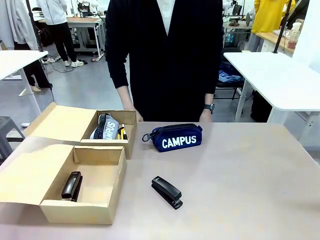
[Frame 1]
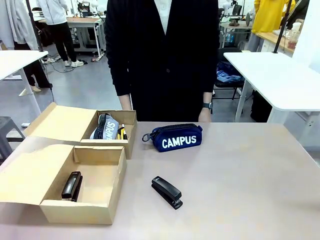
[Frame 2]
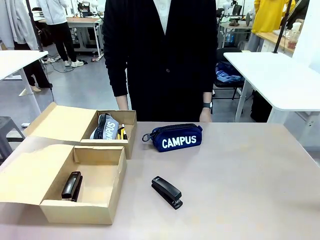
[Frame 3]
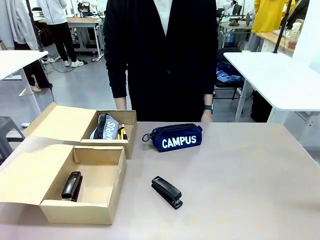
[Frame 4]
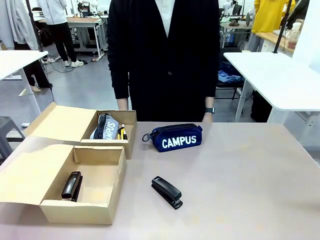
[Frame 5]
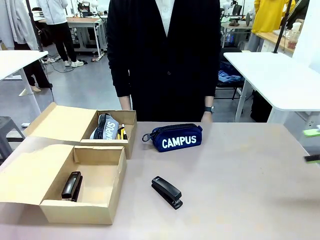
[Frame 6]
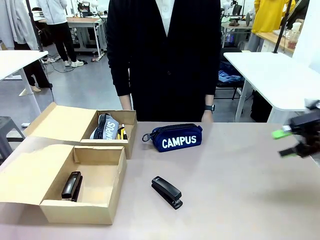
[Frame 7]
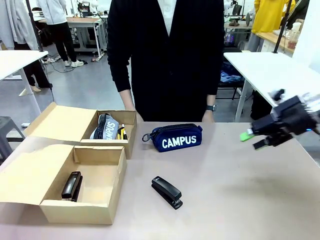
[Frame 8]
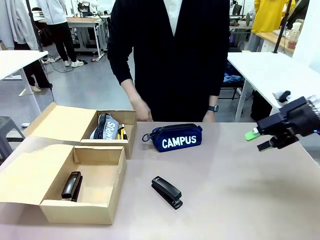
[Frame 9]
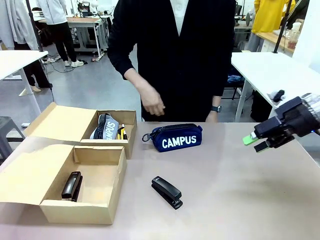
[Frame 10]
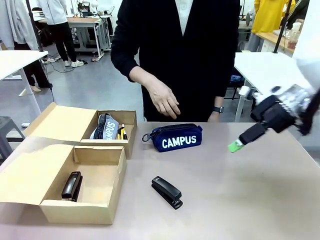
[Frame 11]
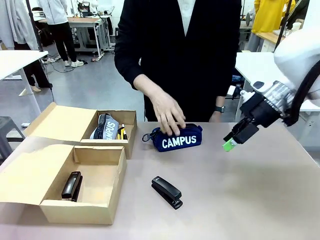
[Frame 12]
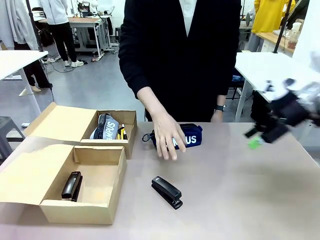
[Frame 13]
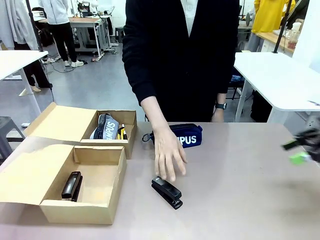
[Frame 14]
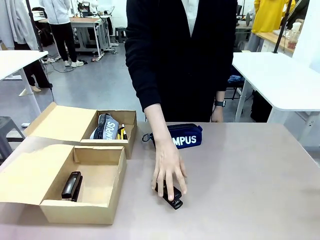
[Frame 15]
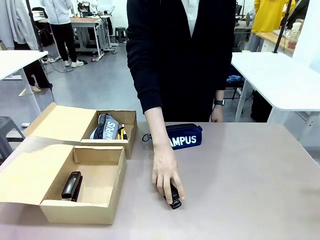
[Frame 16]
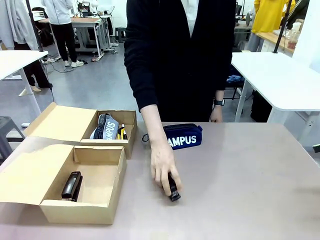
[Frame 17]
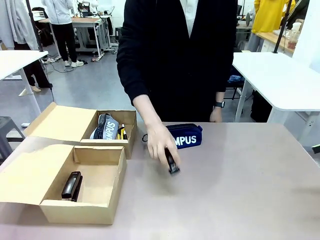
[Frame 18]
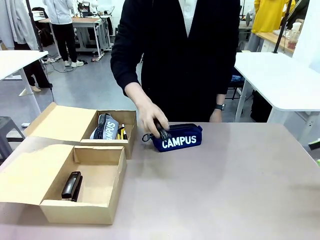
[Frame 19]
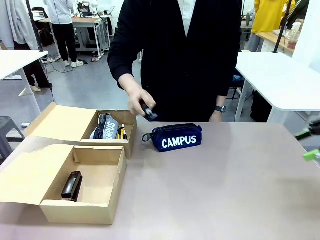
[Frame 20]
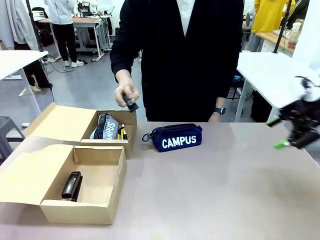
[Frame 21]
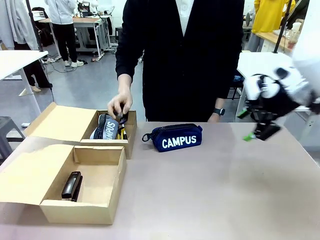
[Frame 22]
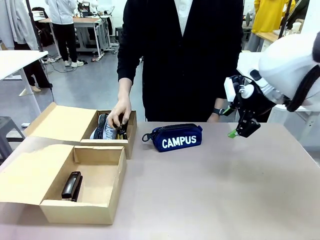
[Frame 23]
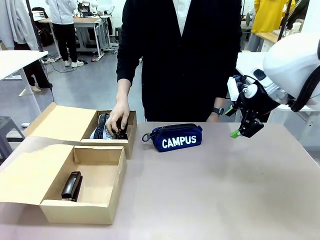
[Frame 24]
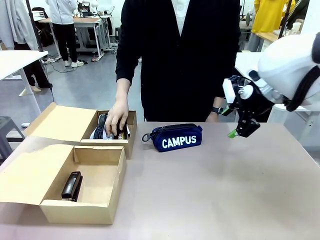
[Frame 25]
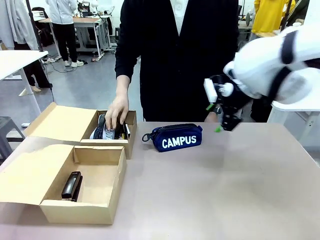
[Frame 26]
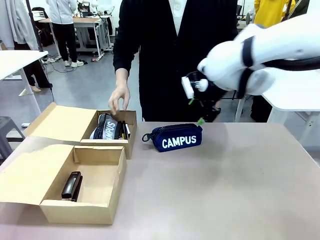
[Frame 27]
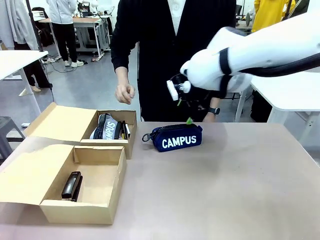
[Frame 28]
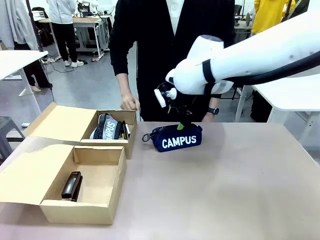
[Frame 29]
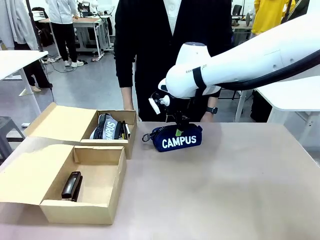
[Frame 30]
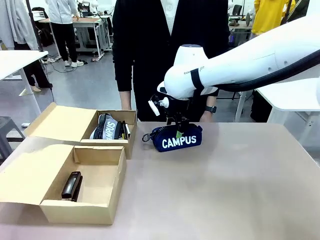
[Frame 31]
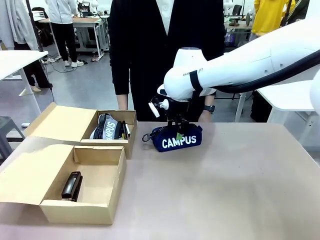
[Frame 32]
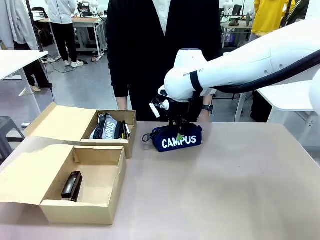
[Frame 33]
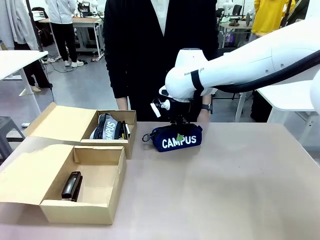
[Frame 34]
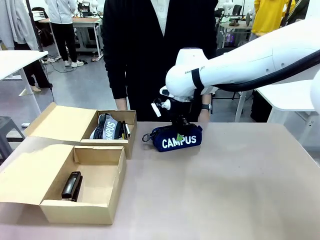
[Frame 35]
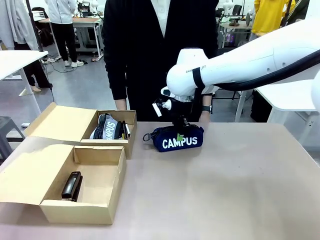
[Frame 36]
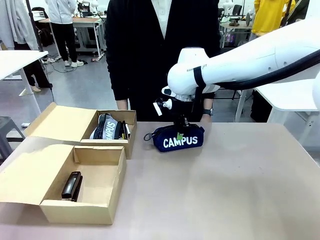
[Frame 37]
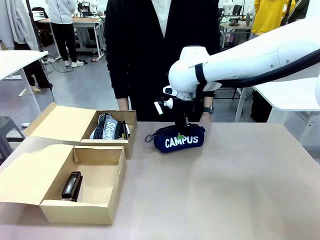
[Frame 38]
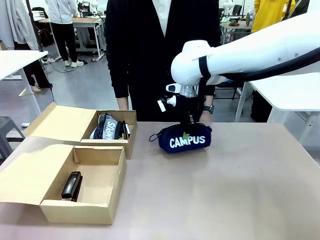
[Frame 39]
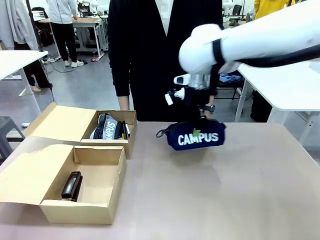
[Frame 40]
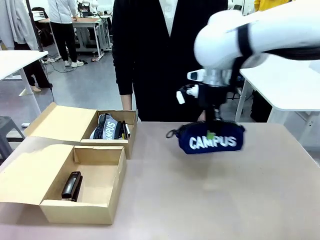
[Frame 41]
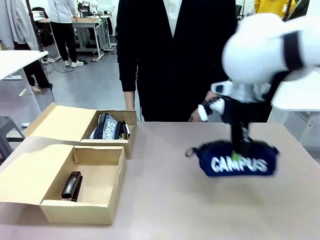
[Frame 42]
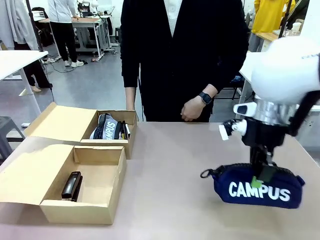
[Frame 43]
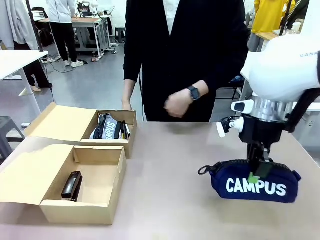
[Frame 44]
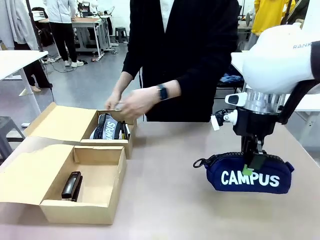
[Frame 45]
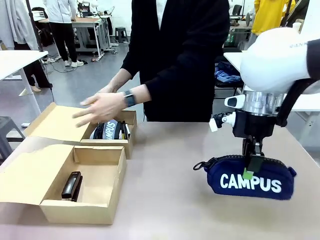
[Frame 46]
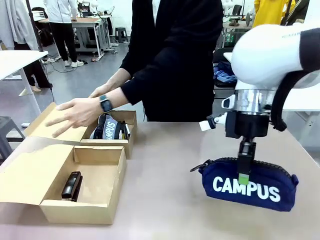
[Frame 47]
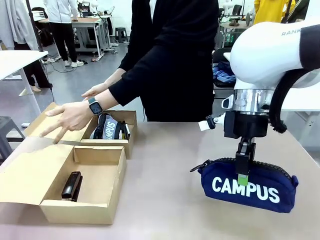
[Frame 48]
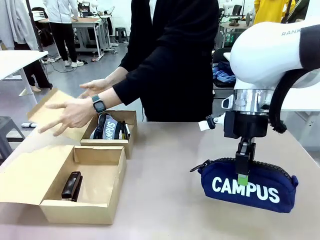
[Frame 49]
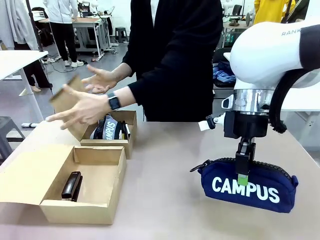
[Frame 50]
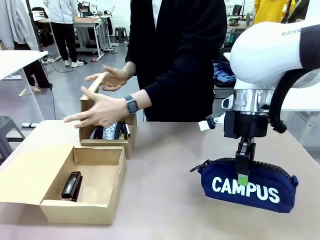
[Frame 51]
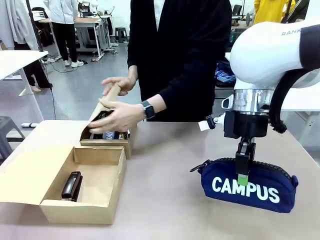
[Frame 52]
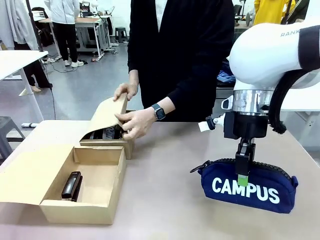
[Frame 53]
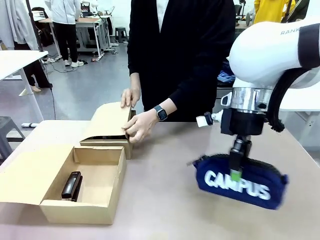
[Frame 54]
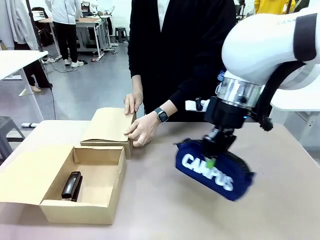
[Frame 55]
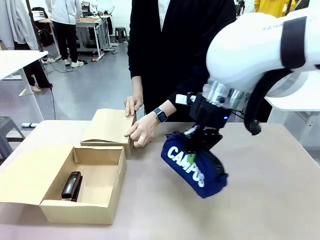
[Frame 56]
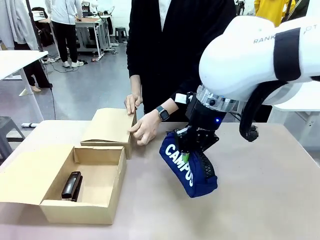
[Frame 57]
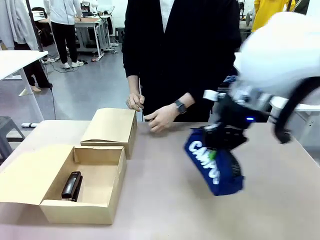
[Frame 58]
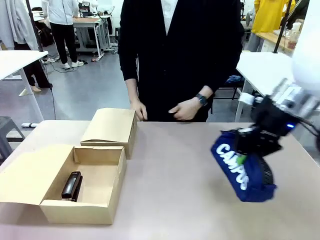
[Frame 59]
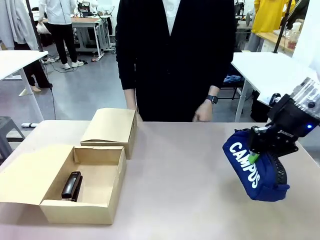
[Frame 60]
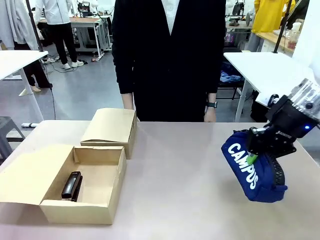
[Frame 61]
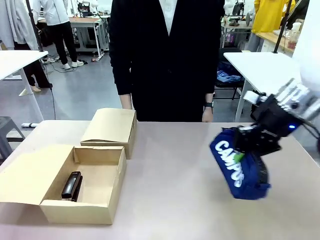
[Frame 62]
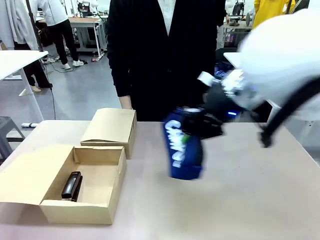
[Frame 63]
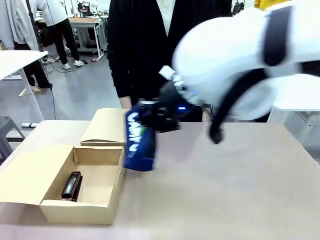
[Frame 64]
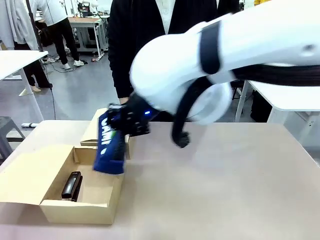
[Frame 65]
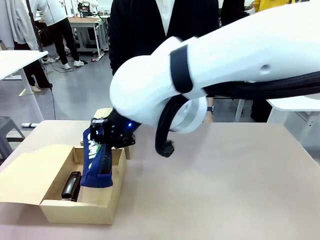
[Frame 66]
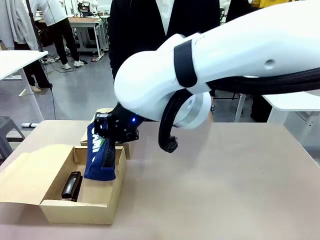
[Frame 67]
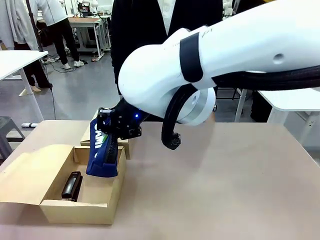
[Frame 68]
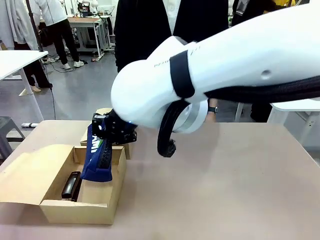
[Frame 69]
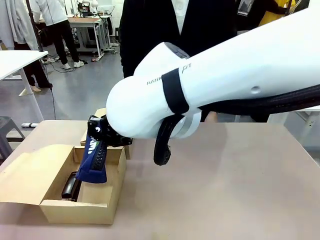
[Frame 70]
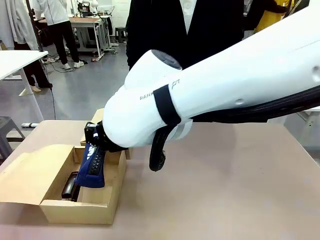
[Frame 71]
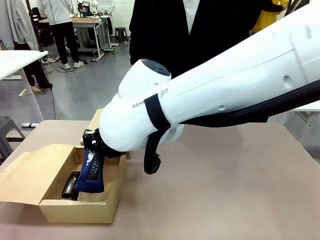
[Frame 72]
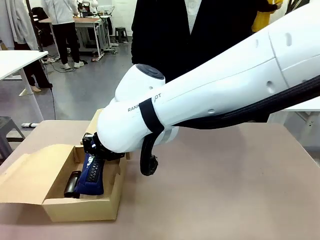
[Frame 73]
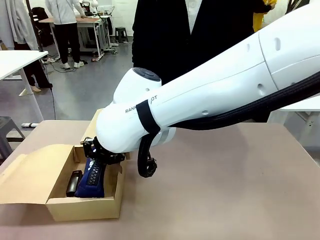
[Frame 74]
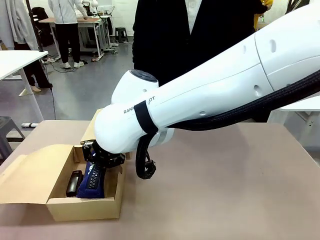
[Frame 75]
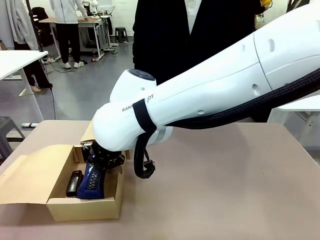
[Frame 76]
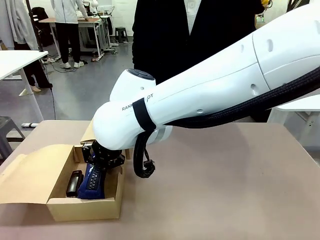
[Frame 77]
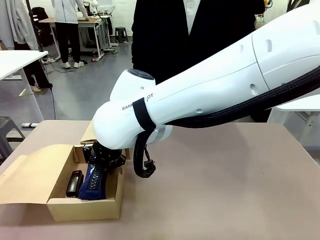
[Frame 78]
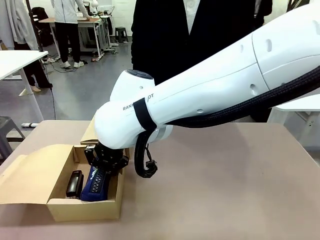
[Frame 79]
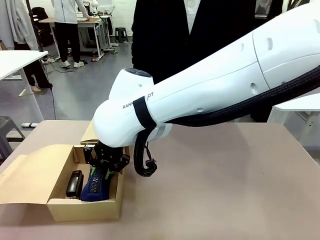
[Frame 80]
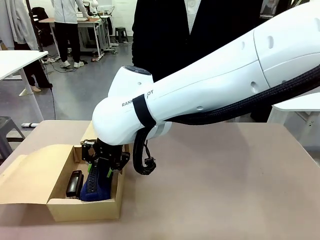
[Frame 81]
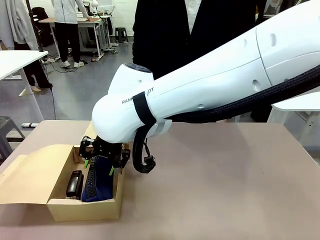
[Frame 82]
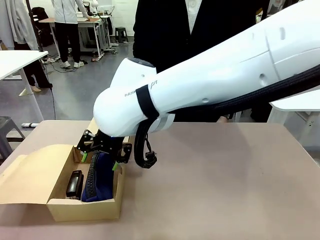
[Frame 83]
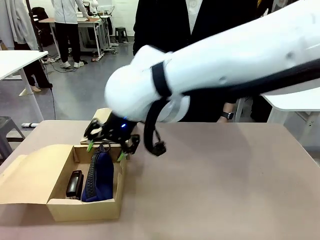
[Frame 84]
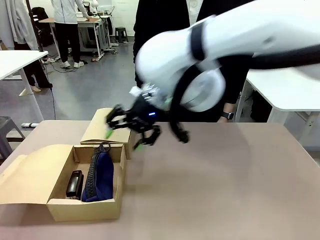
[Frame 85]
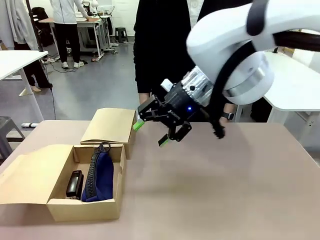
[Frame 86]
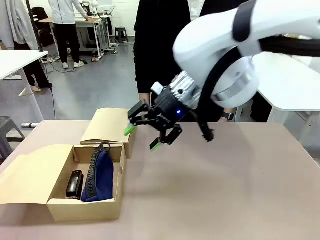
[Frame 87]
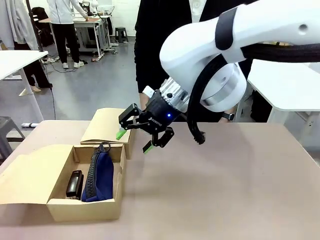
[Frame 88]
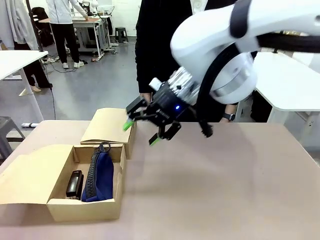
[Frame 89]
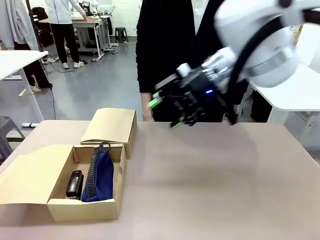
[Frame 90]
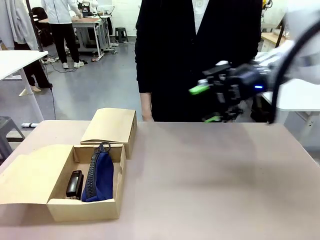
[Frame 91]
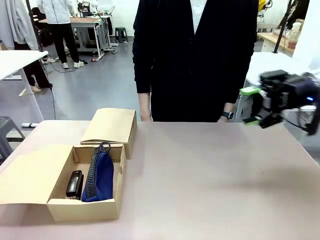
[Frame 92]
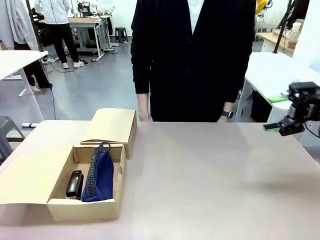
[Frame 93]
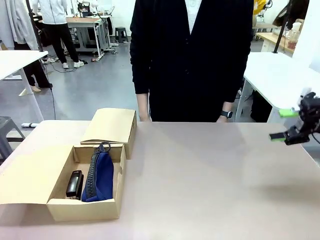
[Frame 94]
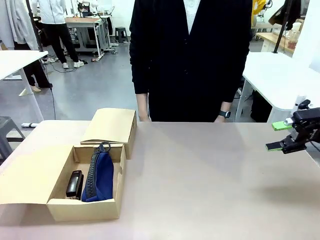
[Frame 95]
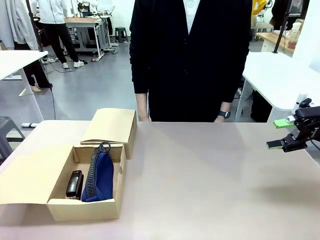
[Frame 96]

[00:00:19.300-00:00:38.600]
Task: Place items inside the box.
Robot: Pick up a Pencil pouch or Stapler and place it inside the Mailer Box closest to the robot.
Person: Close the lid of the box facing the person.
